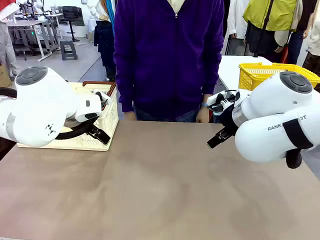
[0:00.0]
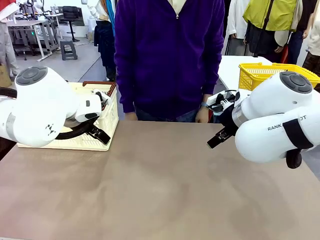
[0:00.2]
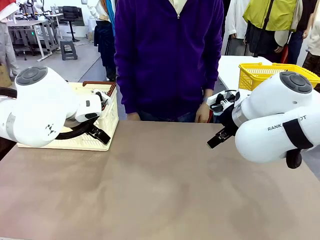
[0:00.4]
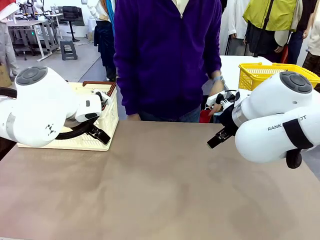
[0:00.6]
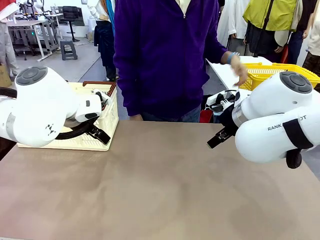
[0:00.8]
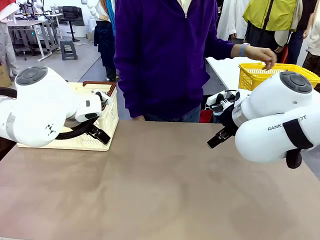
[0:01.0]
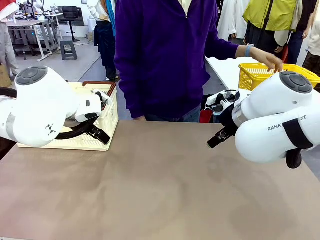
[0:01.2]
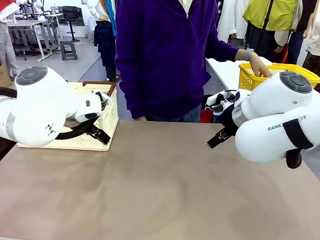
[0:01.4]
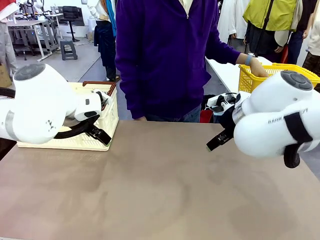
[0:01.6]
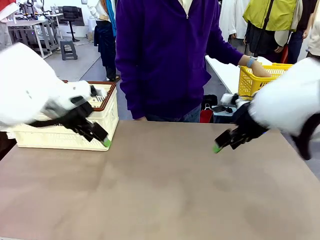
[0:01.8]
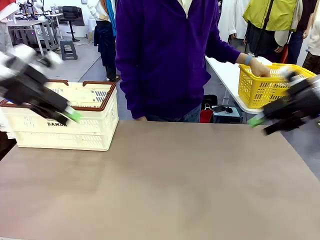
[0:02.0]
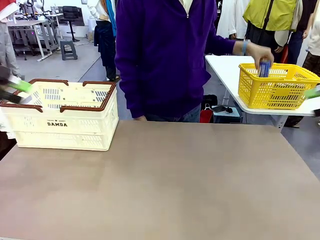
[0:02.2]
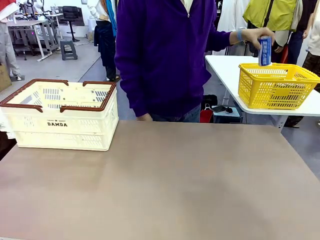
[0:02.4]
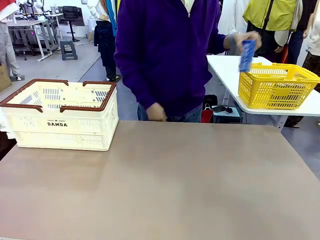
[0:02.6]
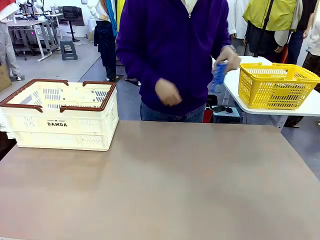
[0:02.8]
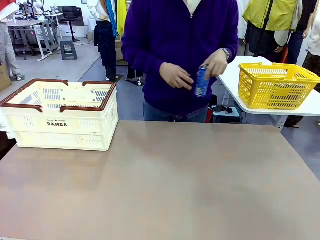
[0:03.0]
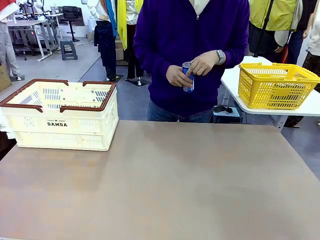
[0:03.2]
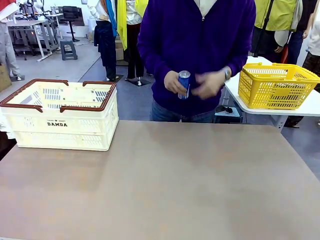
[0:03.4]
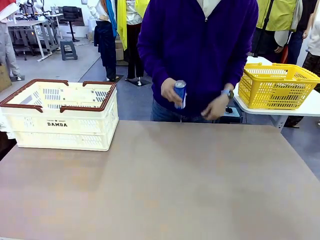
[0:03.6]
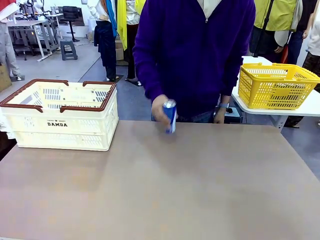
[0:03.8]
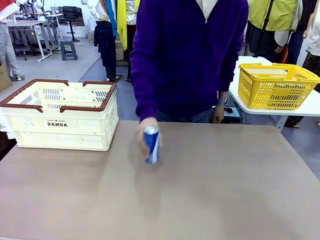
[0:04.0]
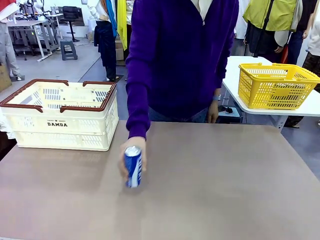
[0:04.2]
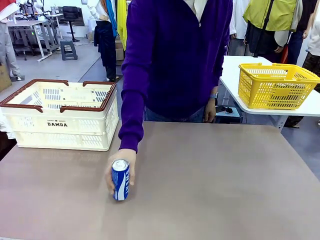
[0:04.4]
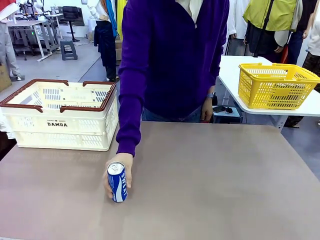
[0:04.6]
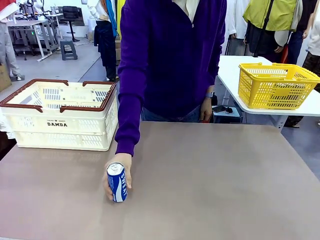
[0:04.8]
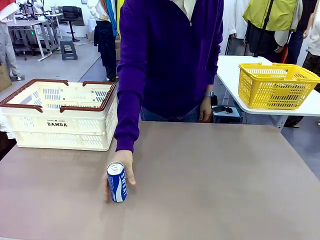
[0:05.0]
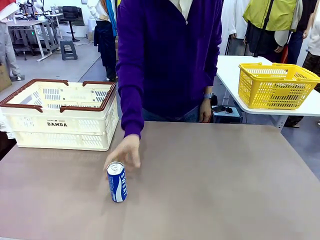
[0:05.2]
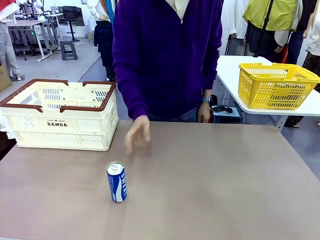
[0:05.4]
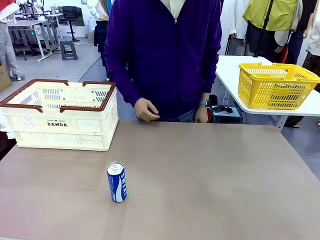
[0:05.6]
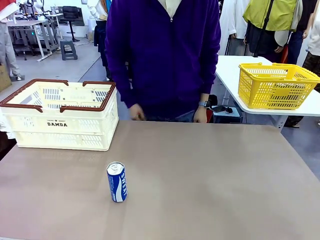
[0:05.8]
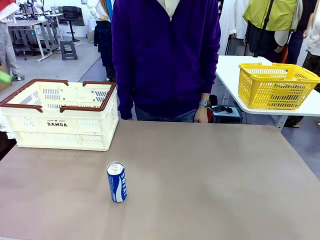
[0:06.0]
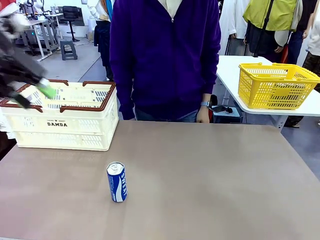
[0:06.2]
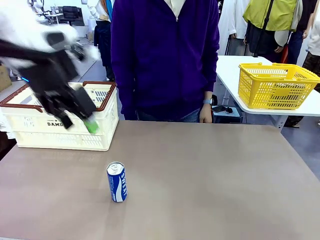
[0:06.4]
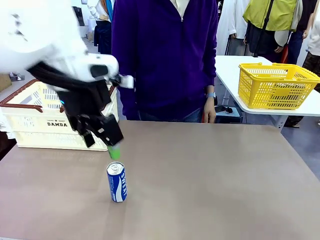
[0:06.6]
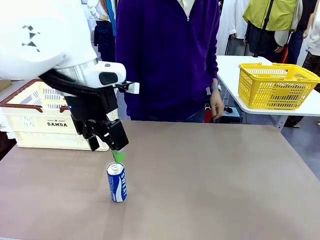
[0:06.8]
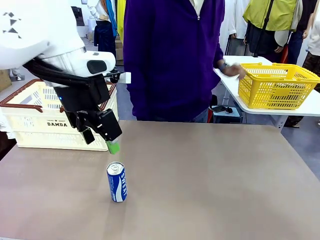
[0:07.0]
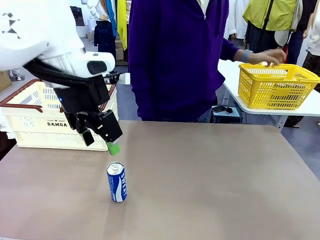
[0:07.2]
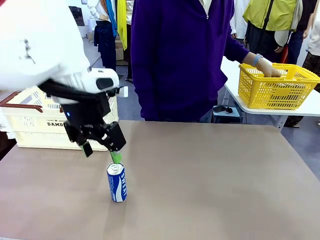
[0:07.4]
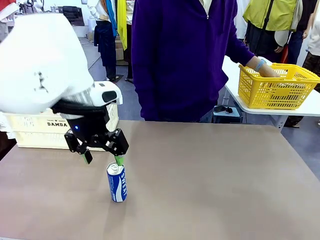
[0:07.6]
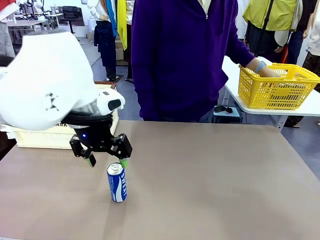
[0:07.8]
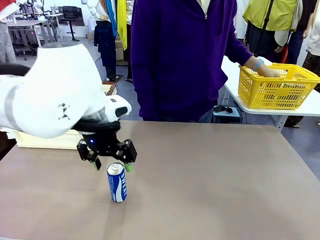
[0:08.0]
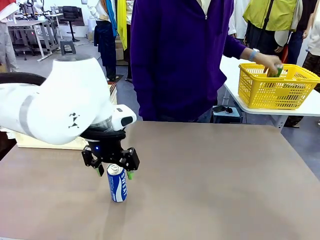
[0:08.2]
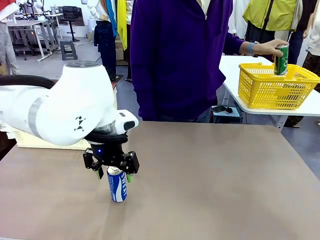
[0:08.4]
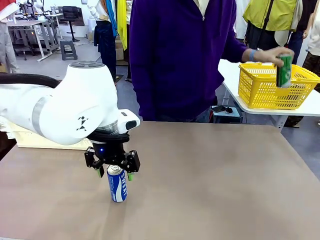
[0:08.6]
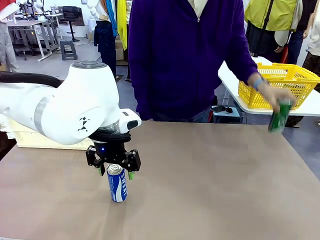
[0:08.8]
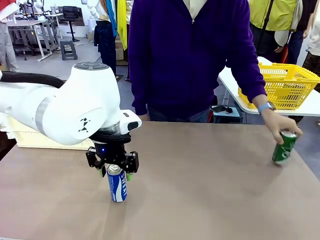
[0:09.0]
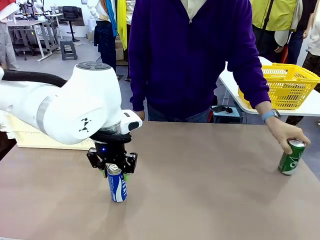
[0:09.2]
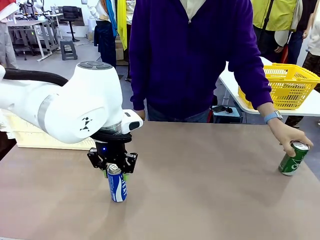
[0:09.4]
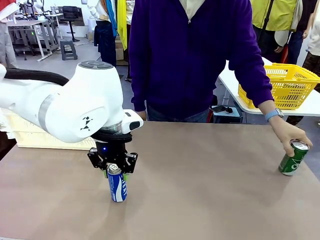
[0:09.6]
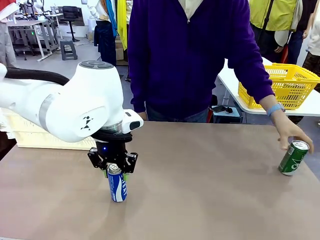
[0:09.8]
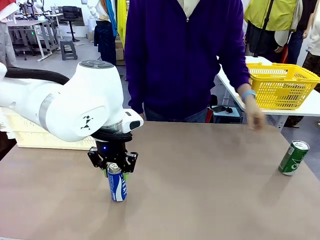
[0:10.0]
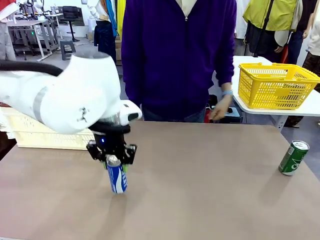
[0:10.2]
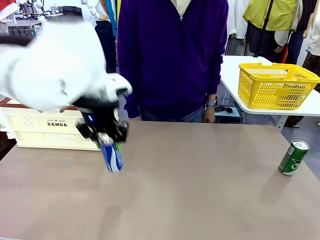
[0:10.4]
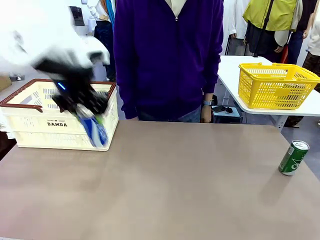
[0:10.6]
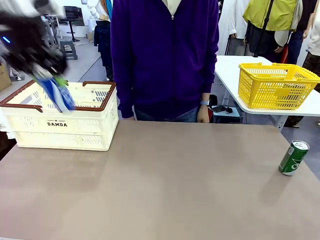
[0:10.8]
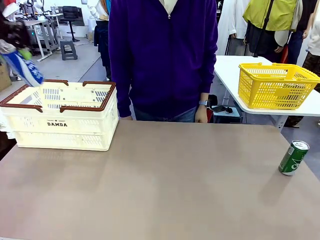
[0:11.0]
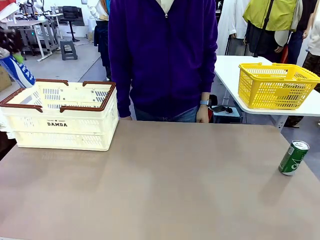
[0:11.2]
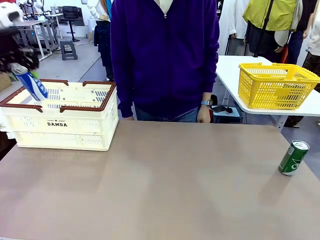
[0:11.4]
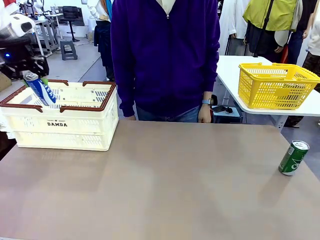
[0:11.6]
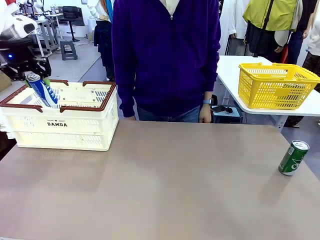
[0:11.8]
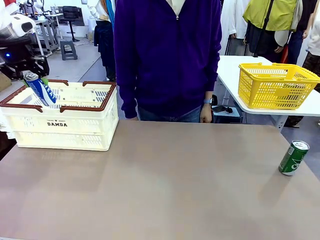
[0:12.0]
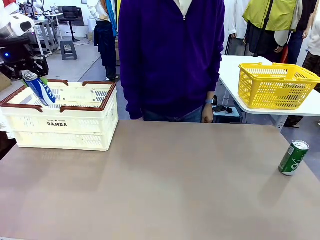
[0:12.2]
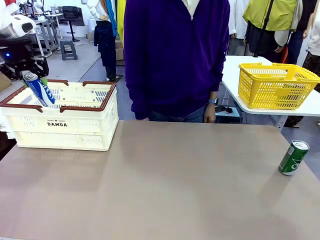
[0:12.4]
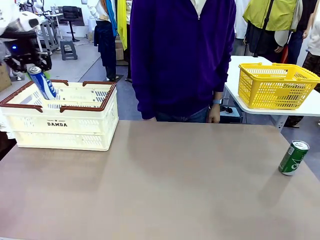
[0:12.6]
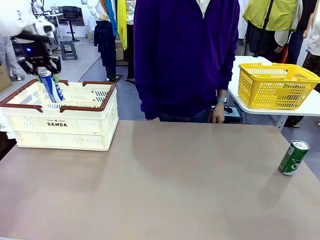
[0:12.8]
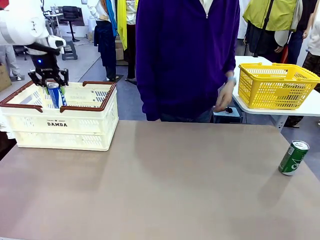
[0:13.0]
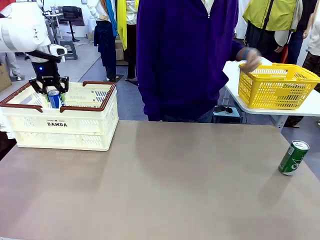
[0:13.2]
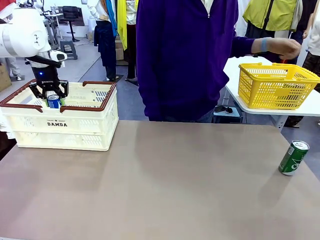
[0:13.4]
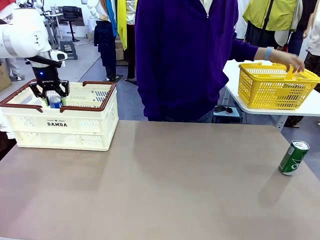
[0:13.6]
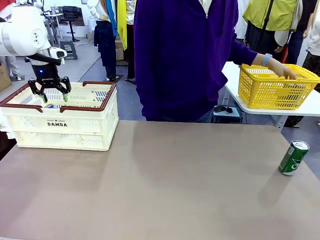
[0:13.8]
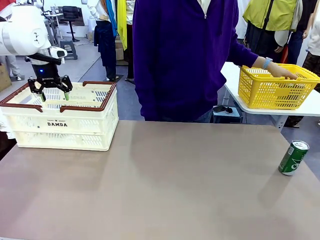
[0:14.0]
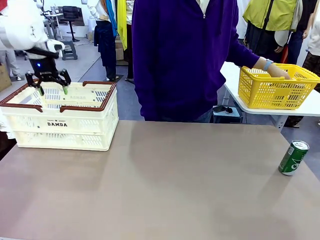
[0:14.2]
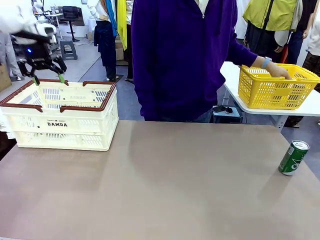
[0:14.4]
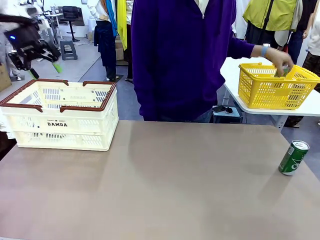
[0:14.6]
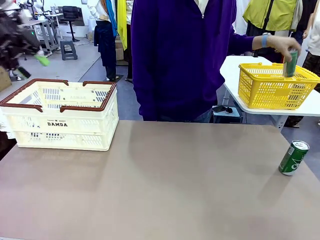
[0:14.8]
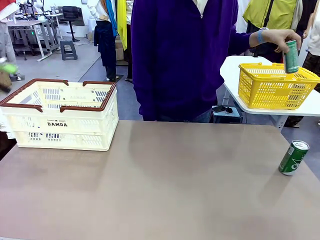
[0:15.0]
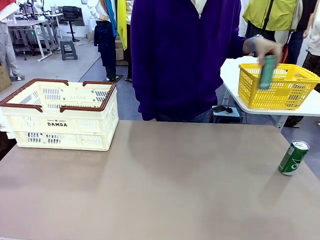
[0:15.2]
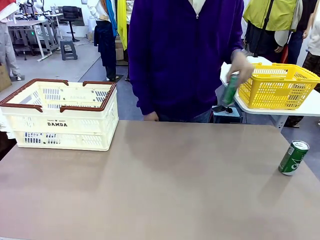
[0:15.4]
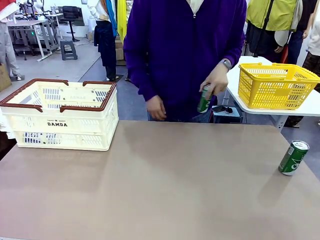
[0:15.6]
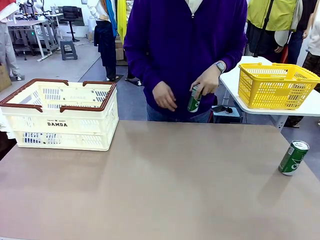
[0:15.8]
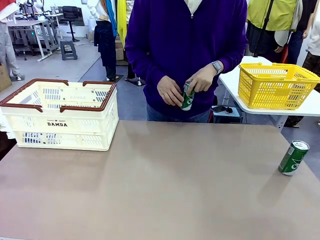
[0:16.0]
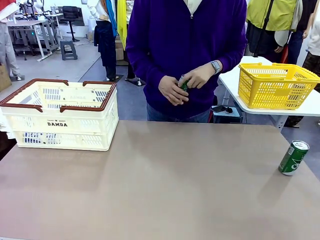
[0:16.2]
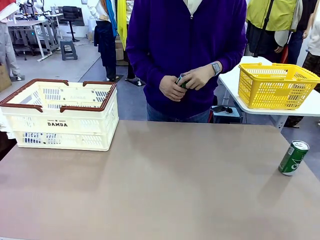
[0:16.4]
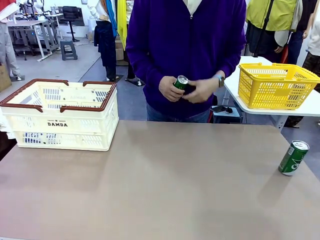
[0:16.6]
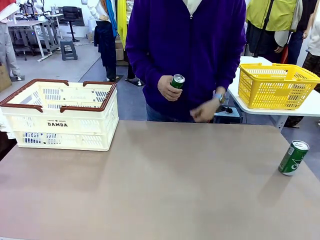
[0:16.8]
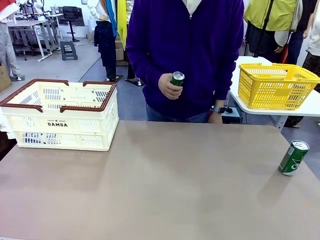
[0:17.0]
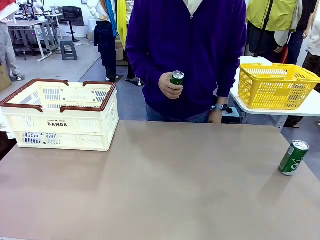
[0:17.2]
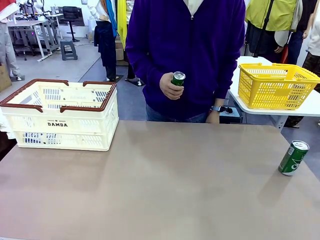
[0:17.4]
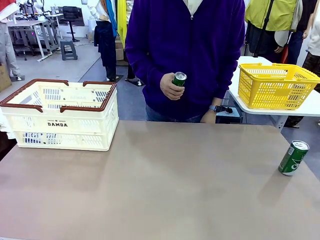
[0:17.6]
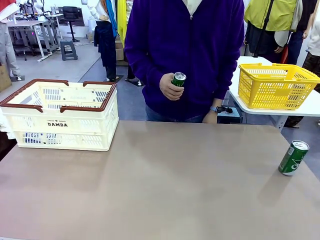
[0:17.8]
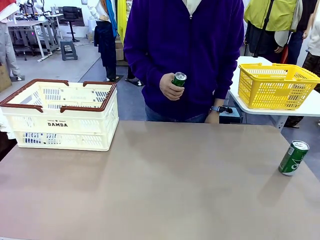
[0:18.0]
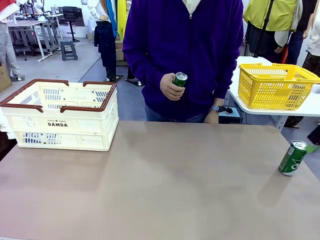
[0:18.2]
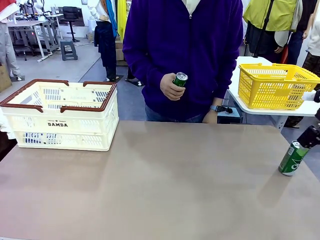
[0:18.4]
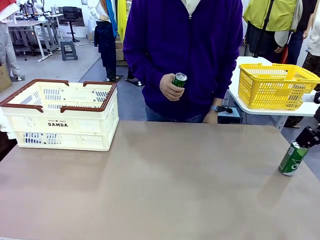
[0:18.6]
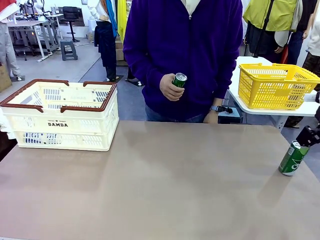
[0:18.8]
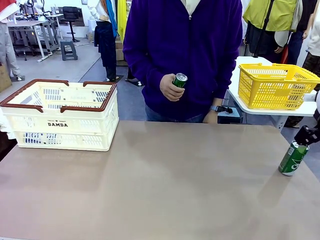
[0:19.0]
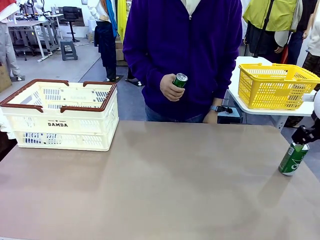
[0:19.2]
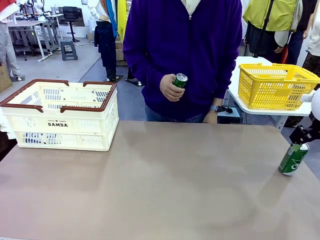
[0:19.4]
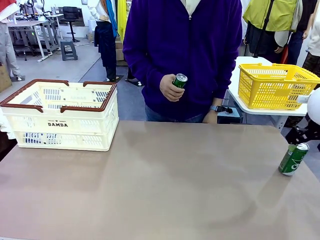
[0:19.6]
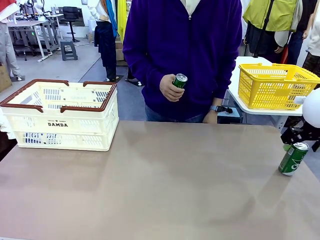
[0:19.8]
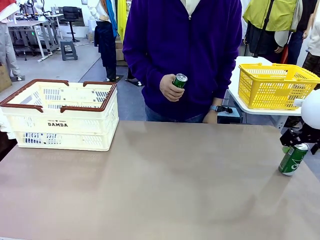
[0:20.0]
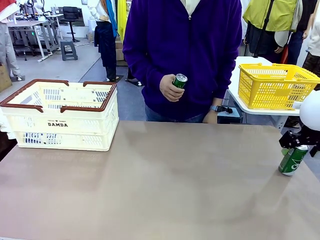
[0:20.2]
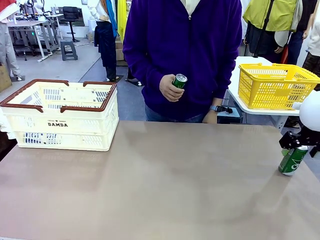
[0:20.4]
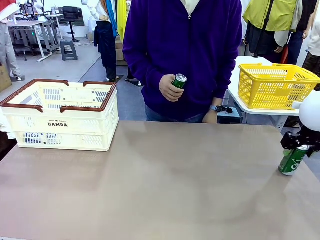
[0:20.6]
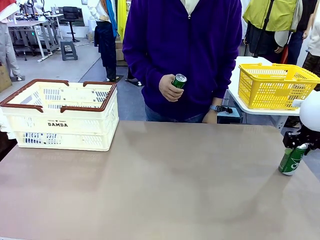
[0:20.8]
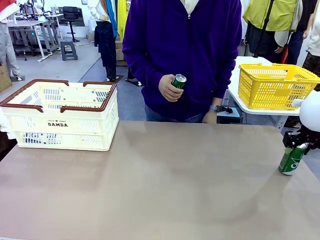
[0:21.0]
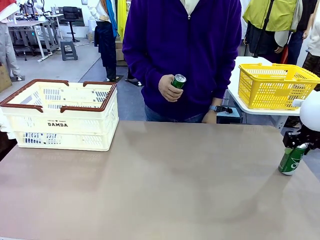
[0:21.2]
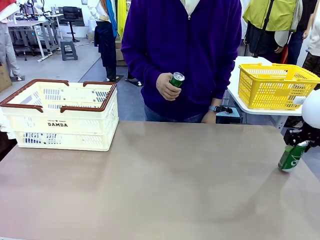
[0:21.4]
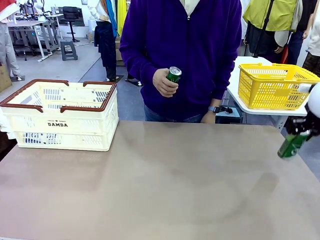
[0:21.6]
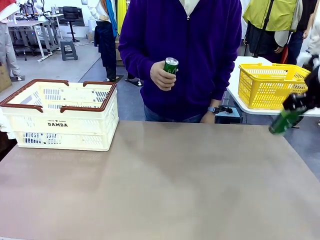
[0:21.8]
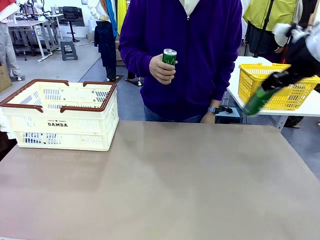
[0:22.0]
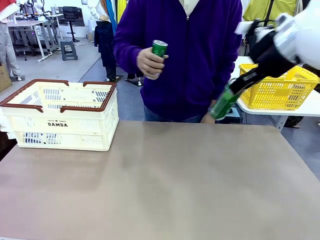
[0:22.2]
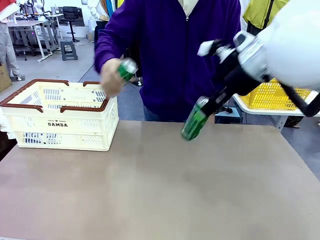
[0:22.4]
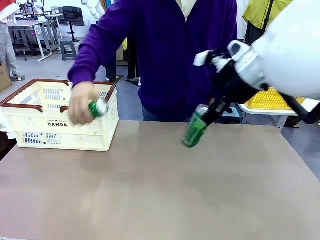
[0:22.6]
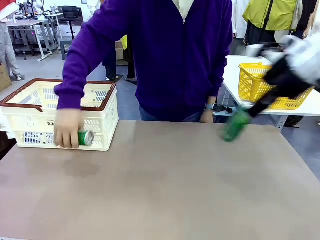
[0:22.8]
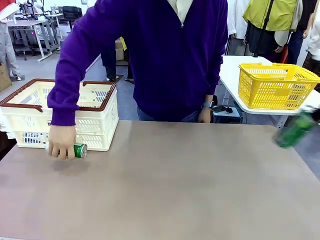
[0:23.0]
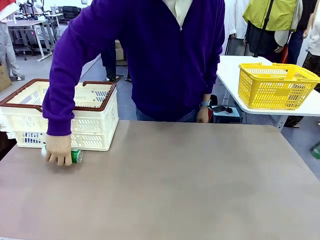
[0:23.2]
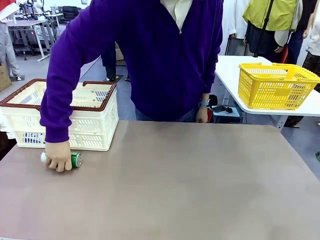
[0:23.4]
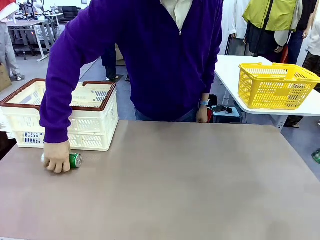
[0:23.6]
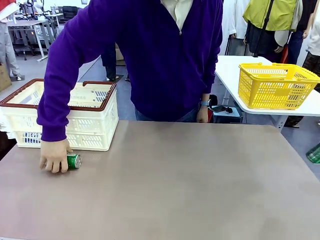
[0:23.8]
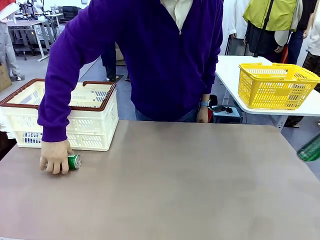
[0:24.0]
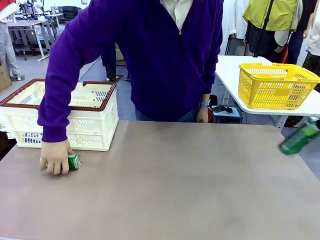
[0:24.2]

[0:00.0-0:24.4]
Task: Place the drinks into the Shopping basket.
Robot: Pick up one drink and place it into the Shopping basket.
